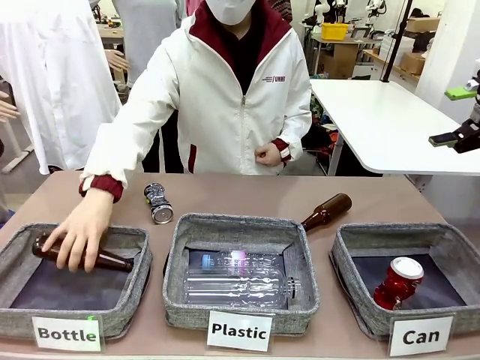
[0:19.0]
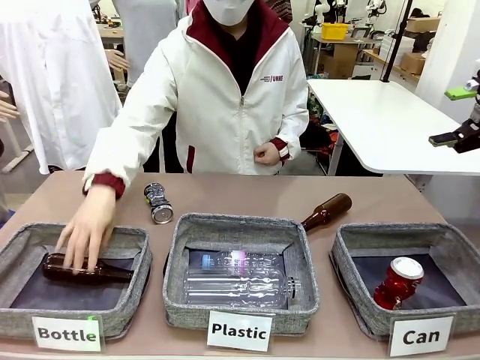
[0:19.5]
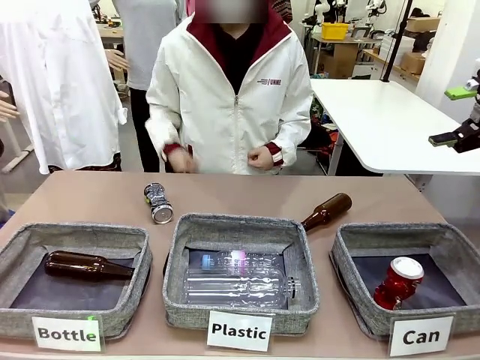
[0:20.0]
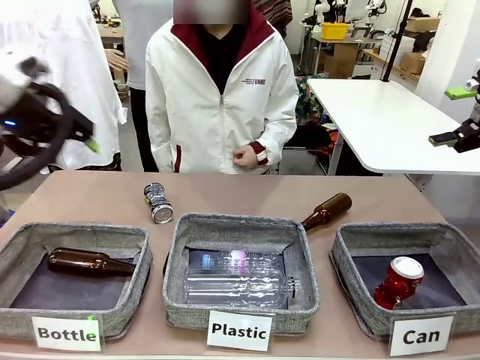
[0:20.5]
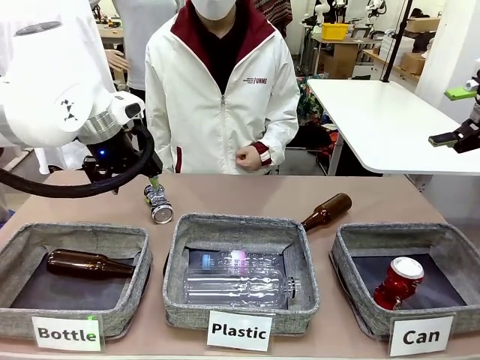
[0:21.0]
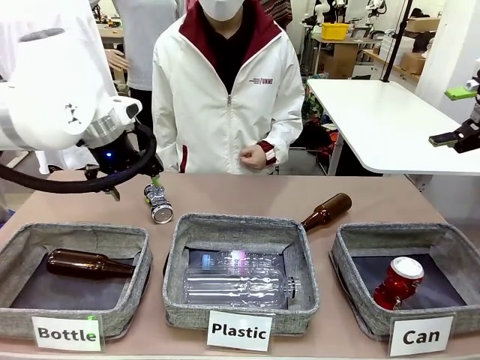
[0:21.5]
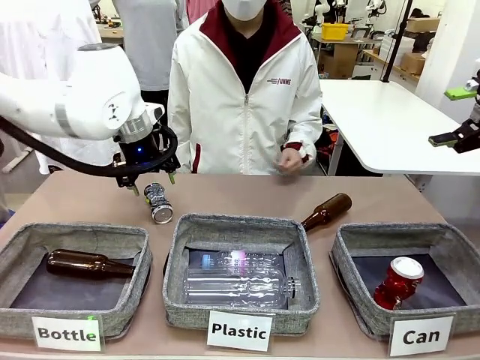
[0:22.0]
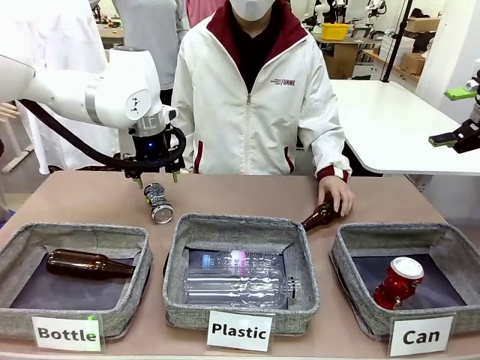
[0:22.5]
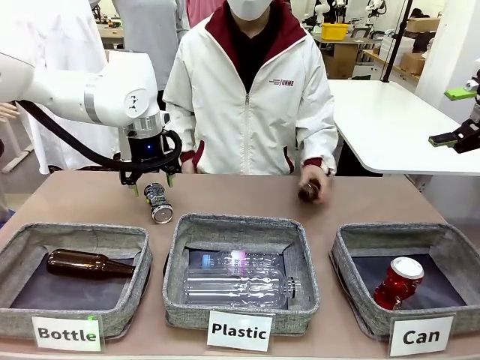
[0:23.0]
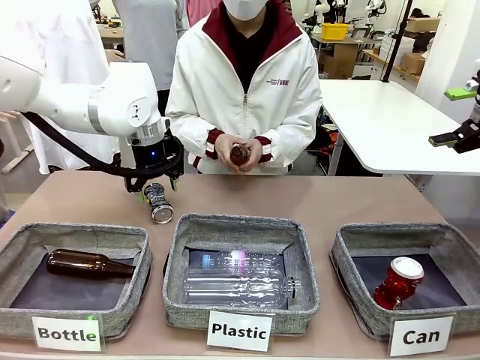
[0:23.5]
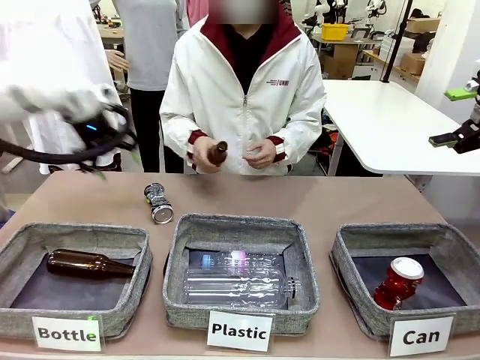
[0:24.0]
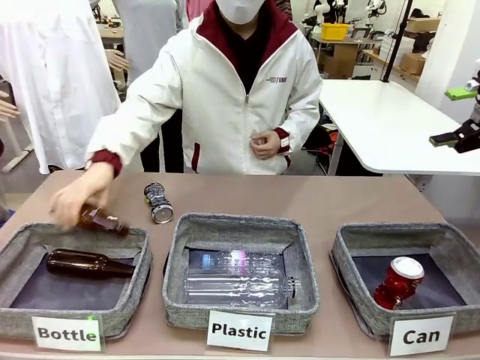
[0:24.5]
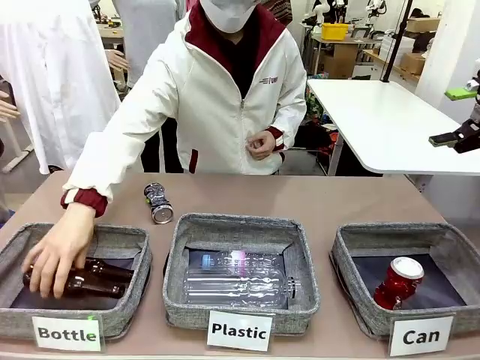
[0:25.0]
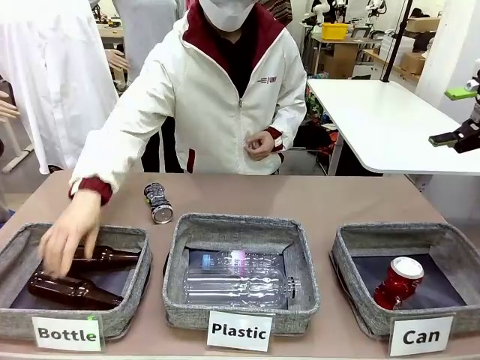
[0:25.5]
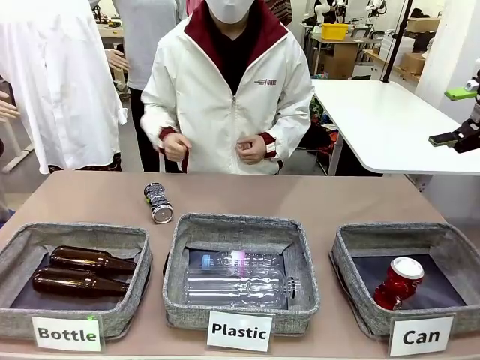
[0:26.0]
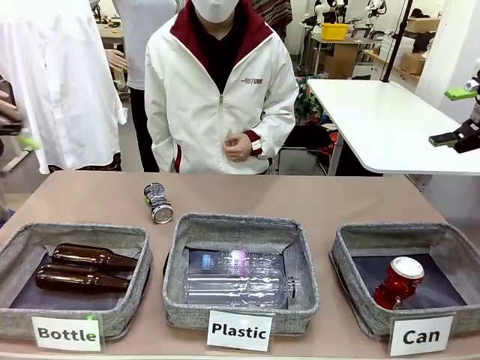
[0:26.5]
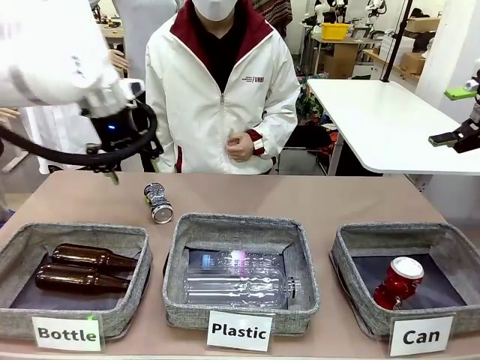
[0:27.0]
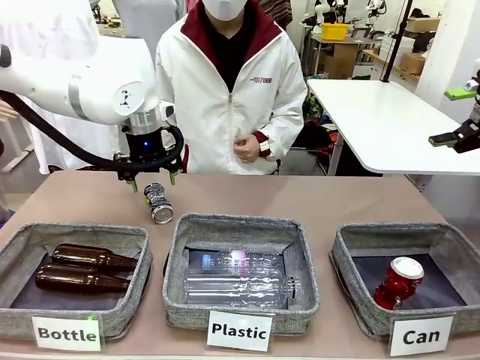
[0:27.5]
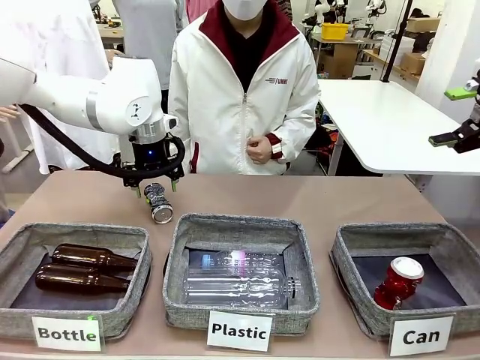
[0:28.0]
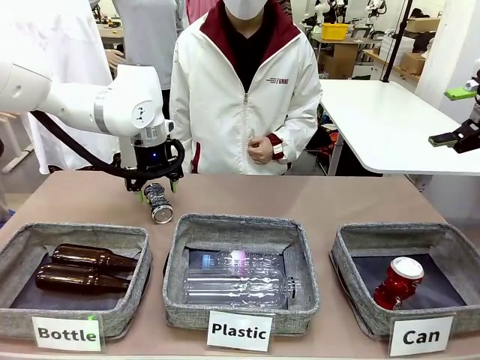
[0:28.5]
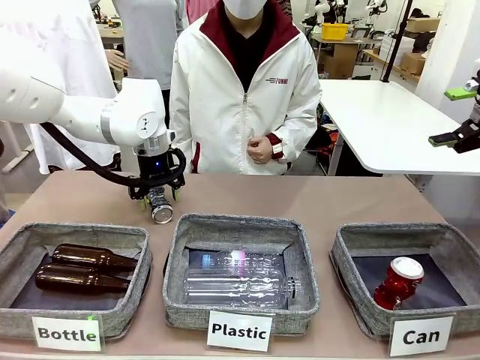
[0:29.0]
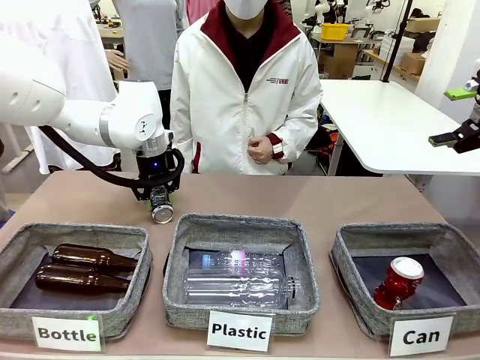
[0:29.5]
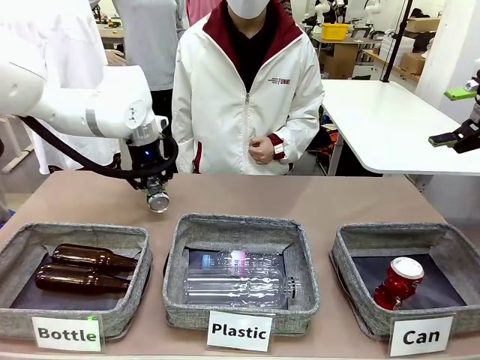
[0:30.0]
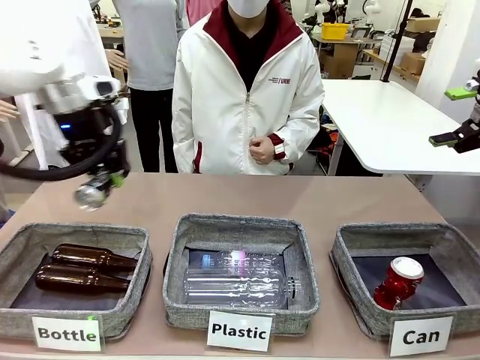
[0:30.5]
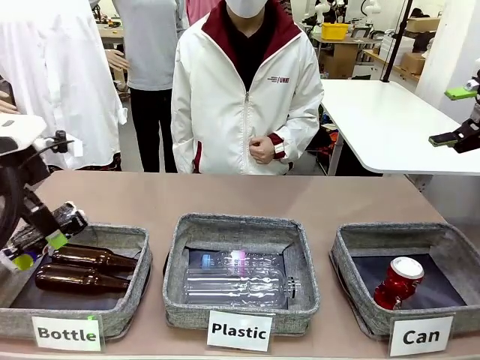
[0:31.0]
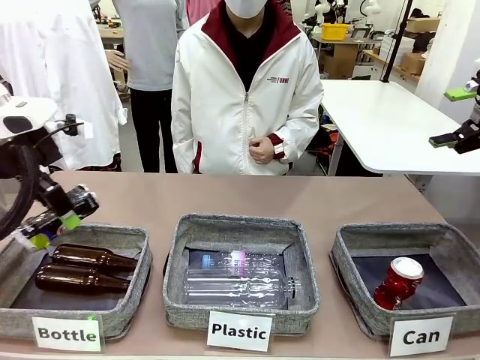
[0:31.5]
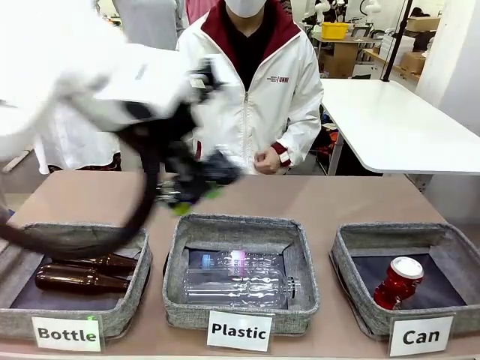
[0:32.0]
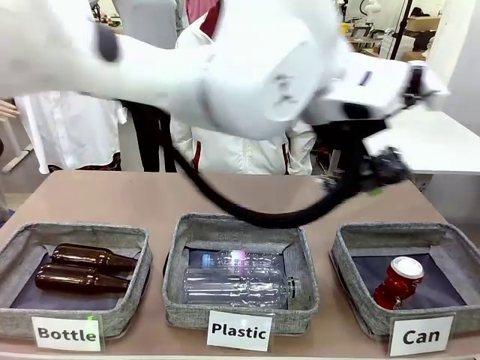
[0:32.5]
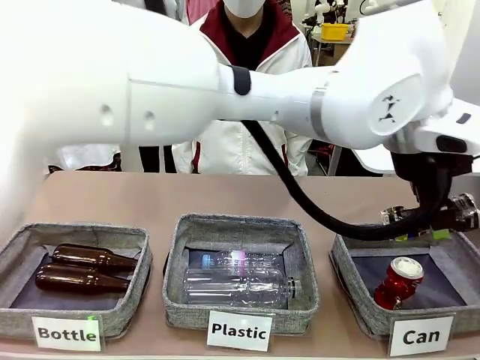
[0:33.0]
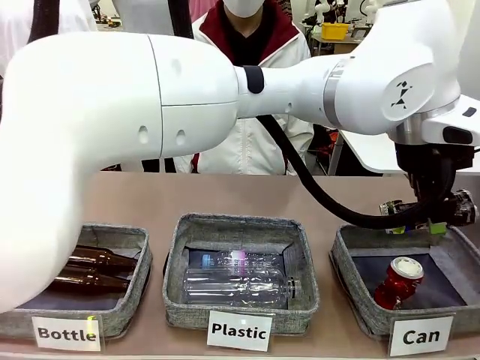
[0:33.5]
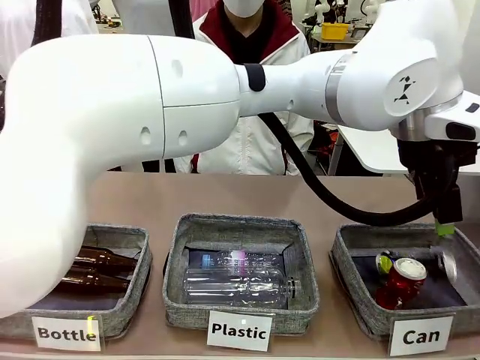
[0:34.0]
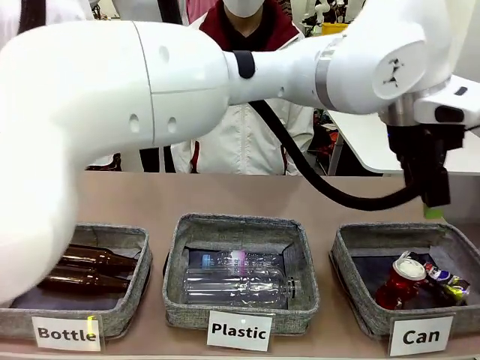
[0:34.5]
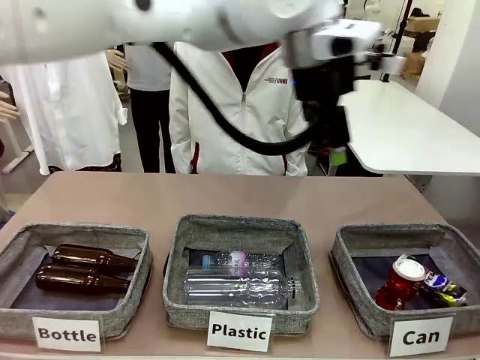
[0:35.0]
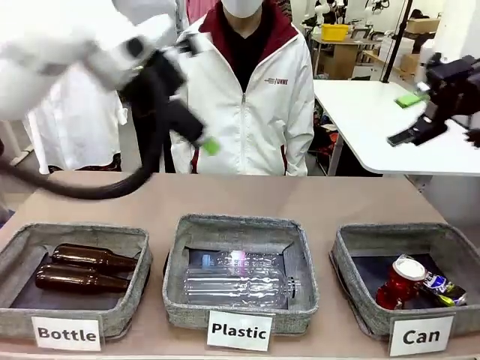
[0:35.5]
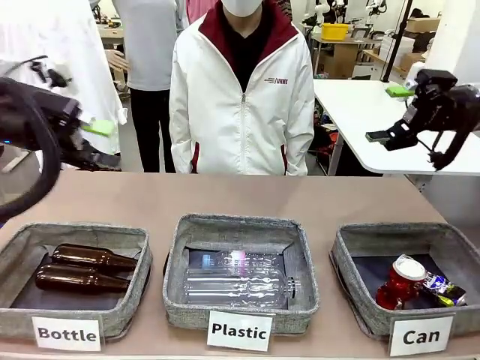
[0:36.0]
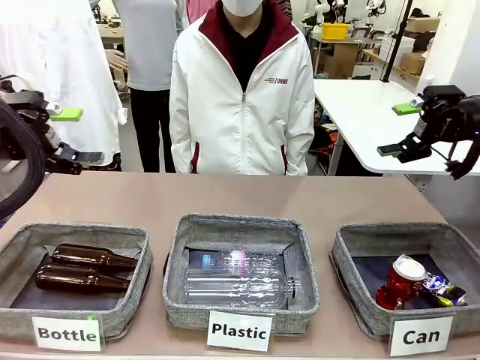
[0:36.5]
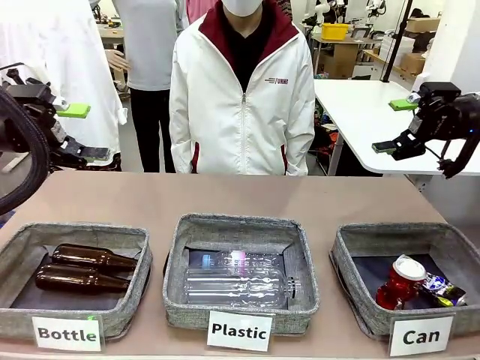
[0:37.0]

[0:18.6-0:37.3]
Task: Sort the can waste into the basket.
Robot: Pick up the can waste from the table and place it in the right Fabric basket.
Person: The human picks up one piece of trash that is not a can and places the trash into the appropriate organizing basket.
